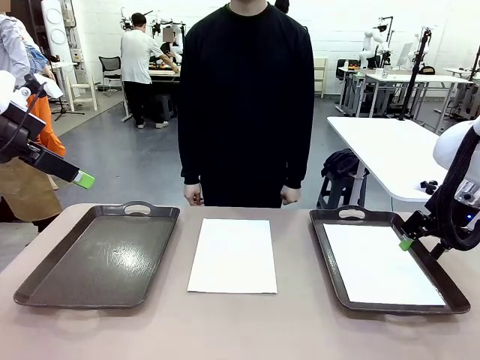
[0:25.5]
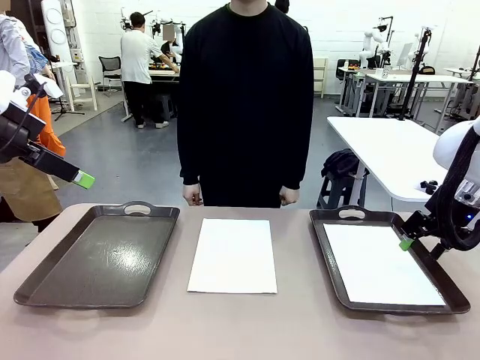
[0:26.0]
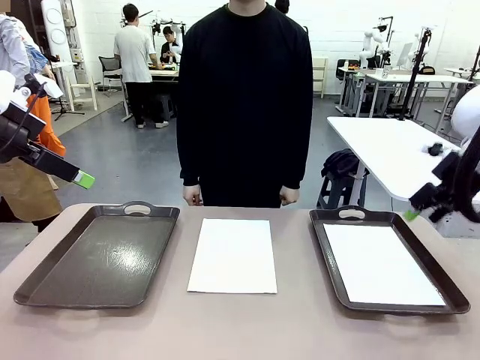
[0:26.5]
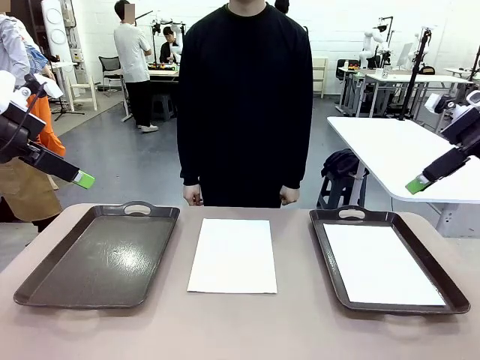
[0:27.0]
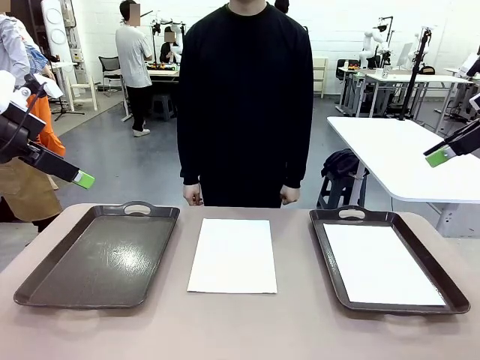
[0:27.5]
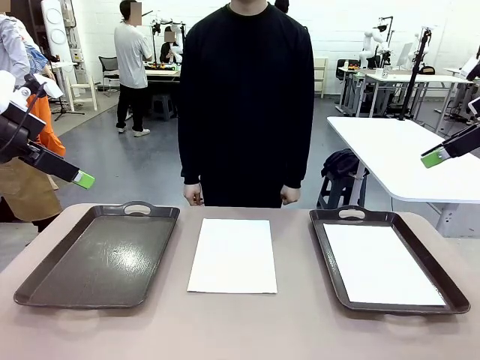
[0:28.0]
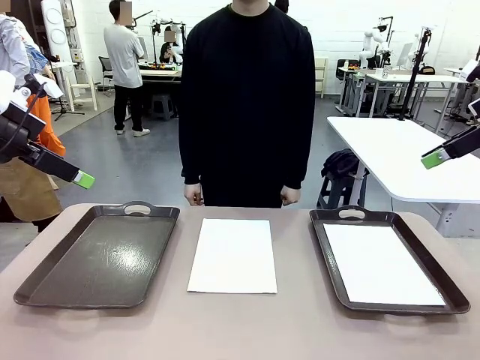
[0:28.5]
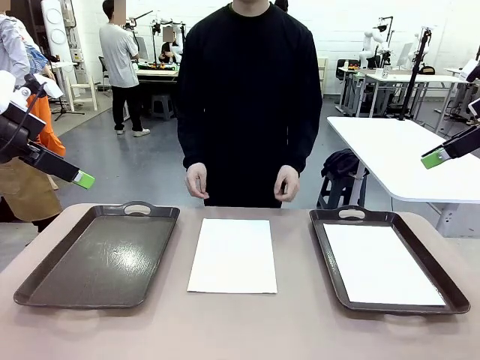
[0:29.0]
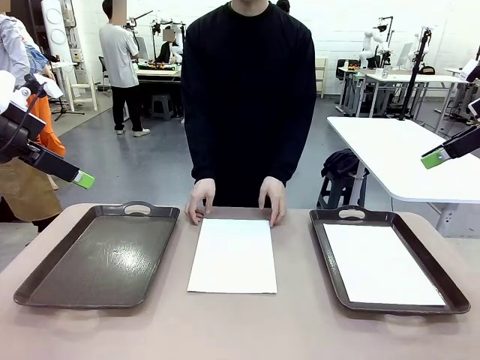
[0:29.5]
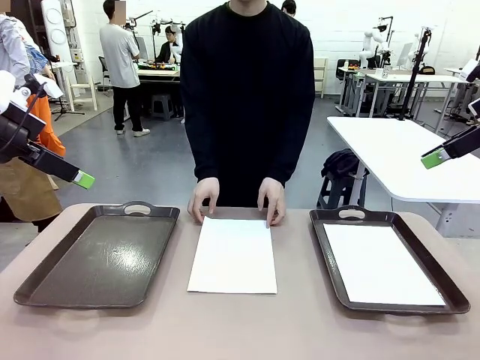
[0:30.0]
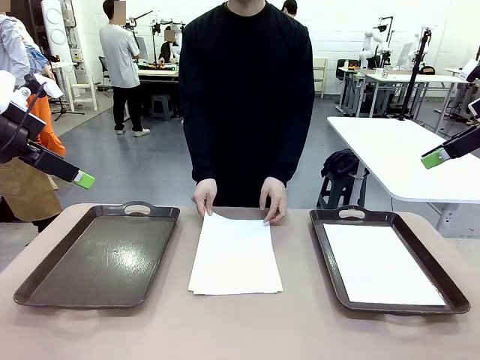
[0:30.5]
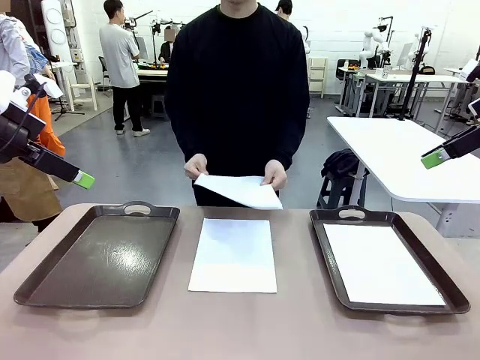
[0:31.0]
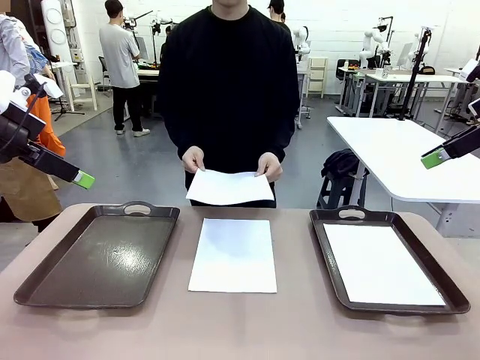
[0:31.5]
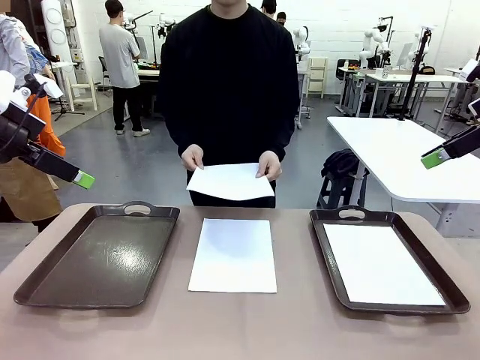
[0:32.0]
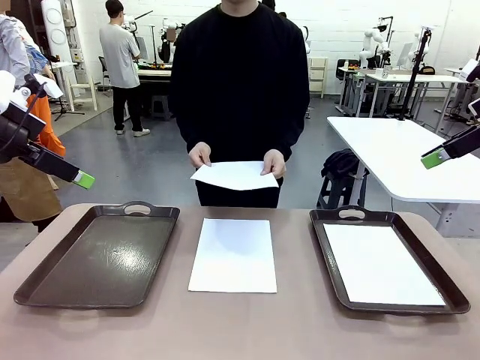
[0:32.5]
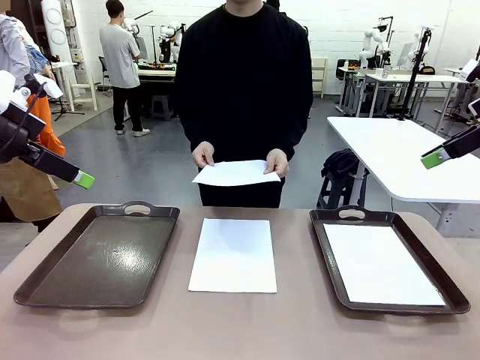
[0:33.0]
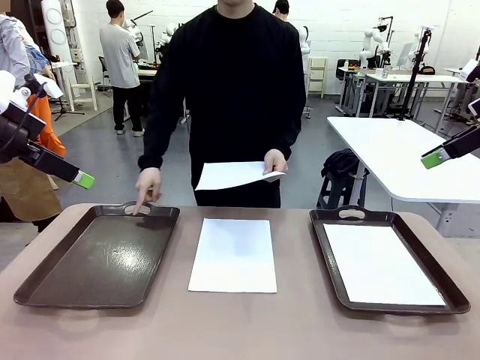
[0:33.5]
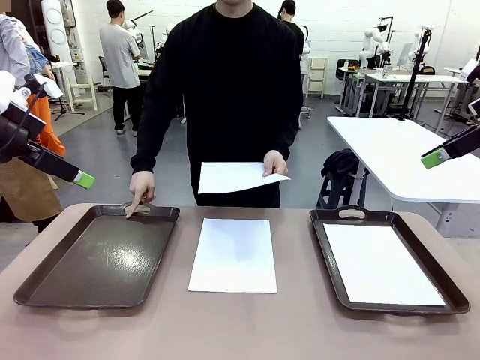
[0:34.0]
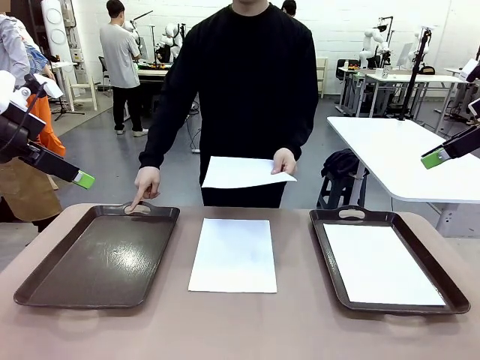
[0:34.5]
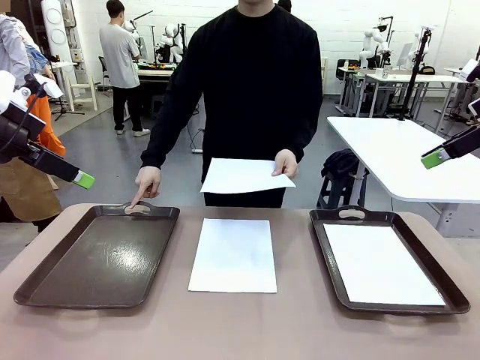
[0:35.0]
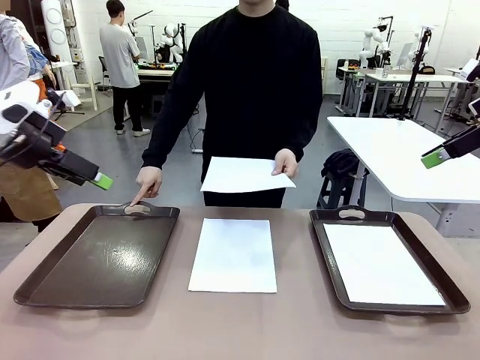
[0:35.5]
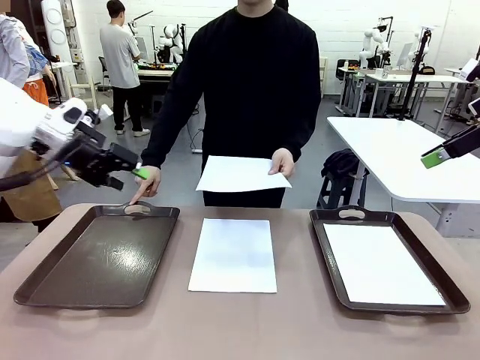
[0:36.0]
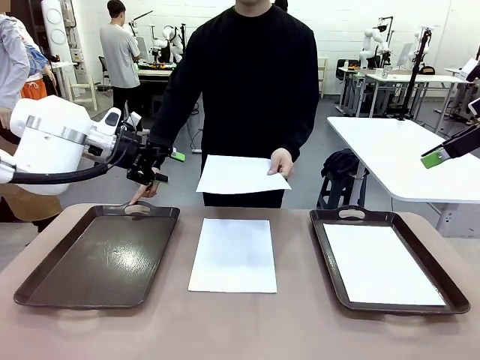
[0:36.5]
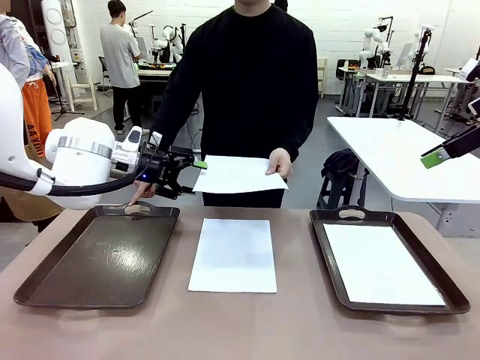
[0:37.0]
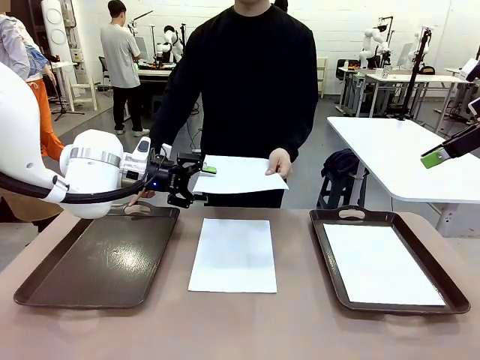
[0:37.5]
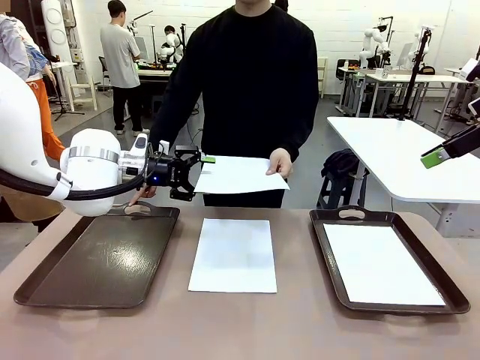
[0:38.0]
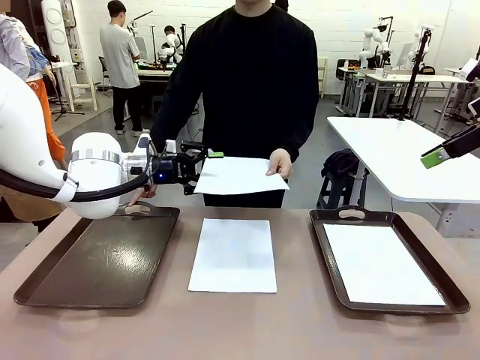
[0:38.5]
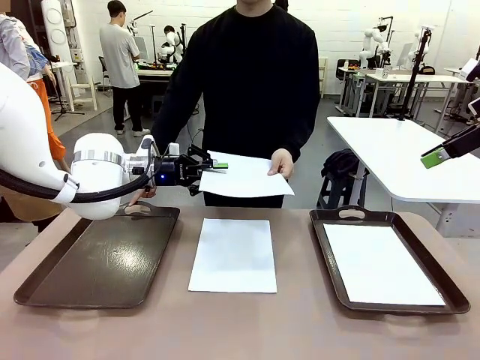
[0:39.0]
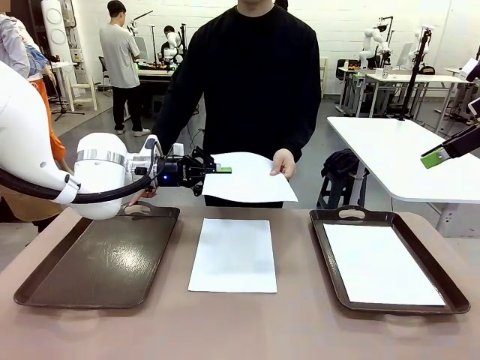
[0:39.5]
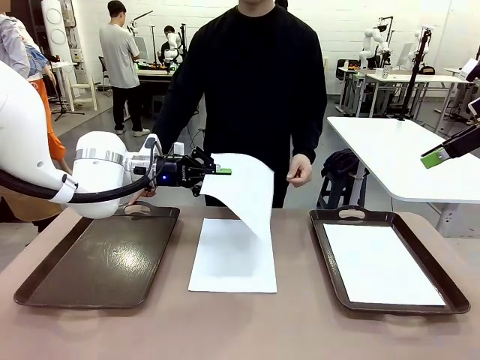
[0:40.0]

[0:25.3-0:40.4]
Task: Sort the A4 documents.
Robot: Receive the A4 Paper.
Person: Point the randomly selected tray with the other hand.

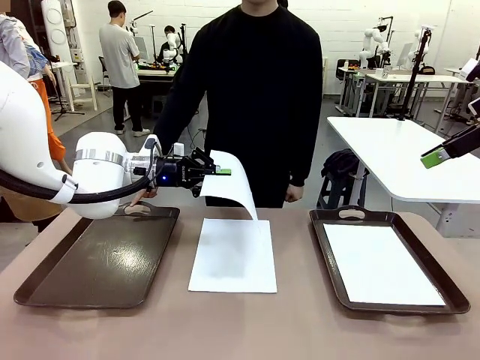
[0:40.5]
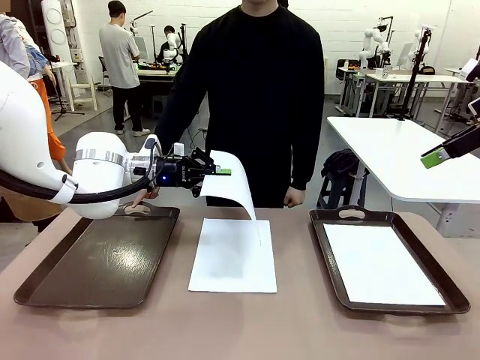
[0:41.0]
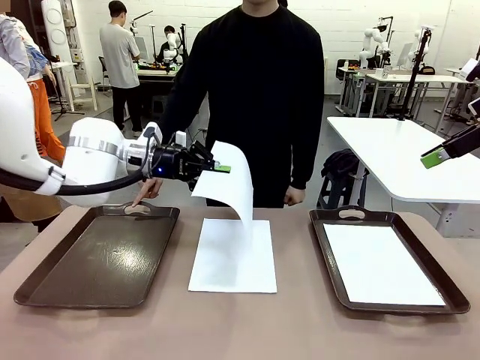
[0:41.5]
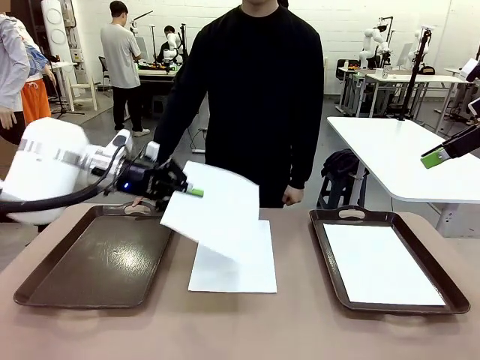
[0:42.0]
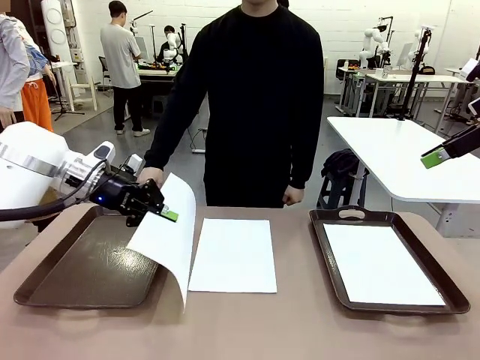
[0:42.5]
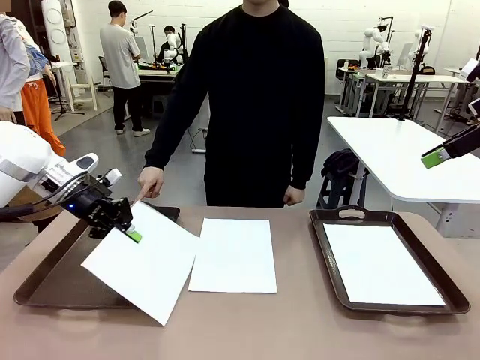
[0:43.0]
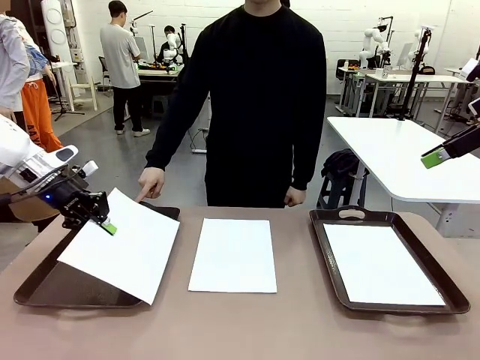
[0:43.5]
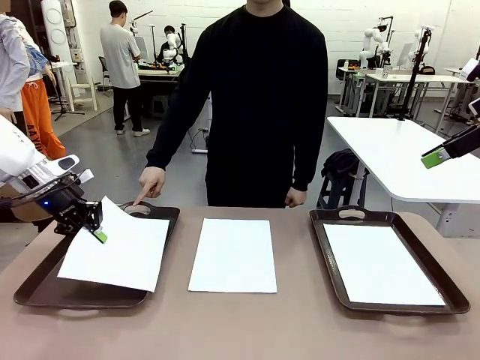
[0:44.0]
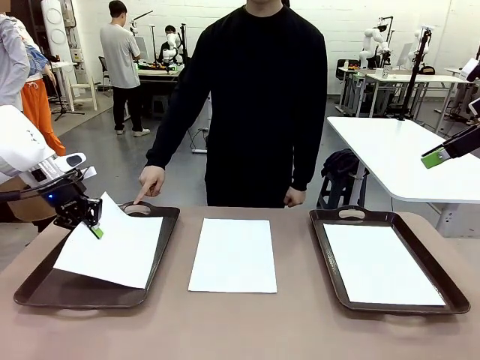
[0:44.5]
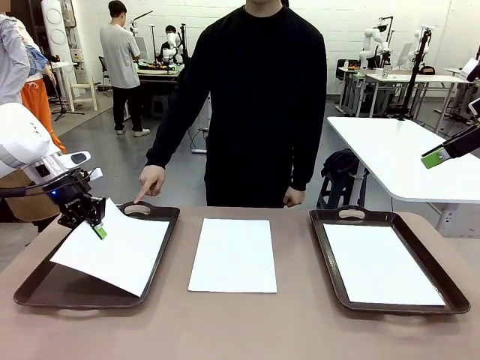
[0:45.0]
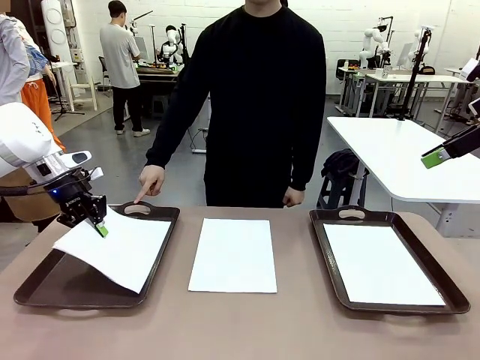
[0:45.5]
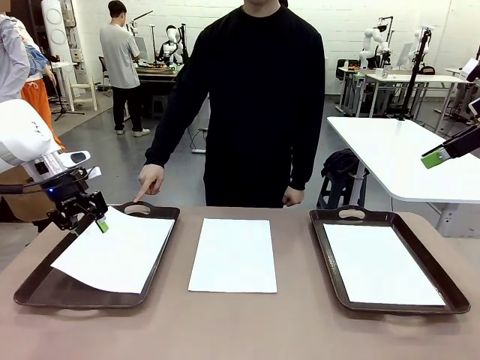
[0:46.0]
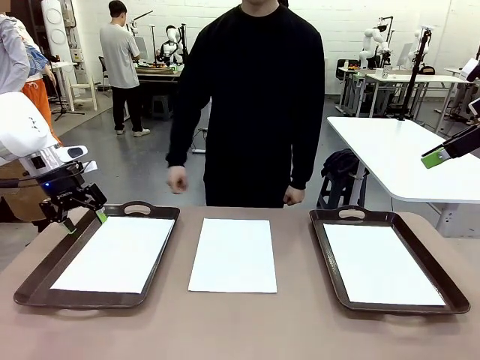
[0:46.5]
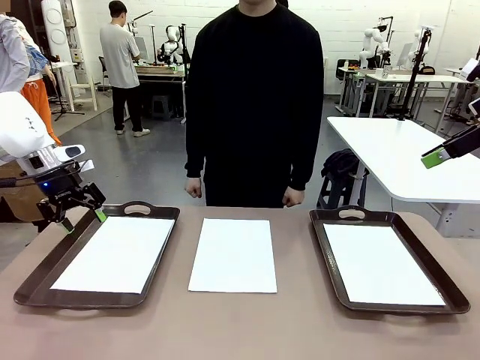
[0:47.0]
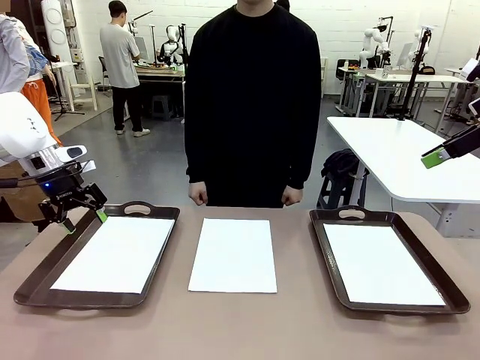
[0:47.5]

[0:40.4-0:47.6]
Robot: Place the A4 Paper in the designated Handle tray.
